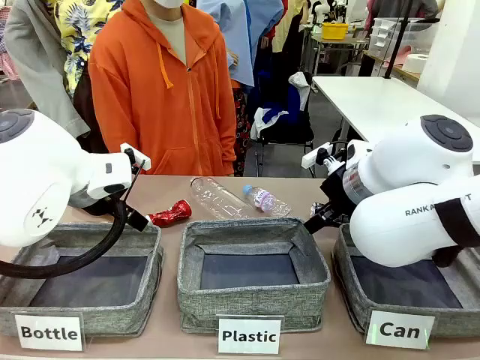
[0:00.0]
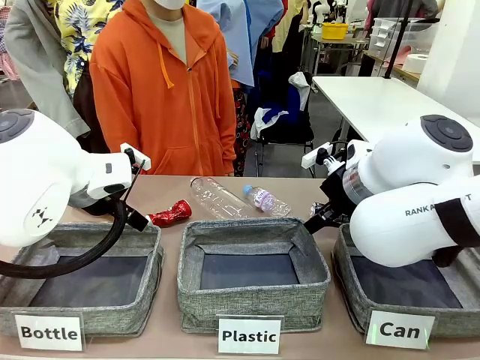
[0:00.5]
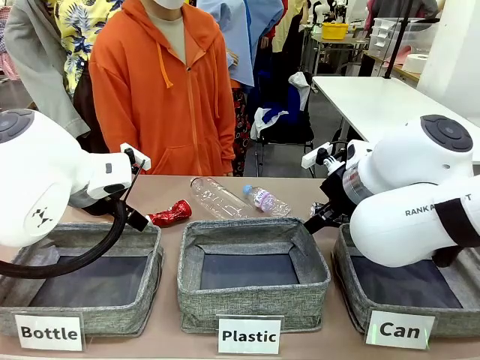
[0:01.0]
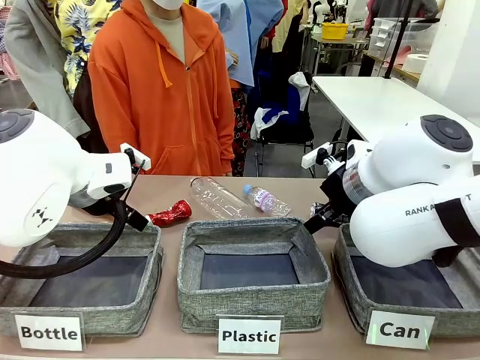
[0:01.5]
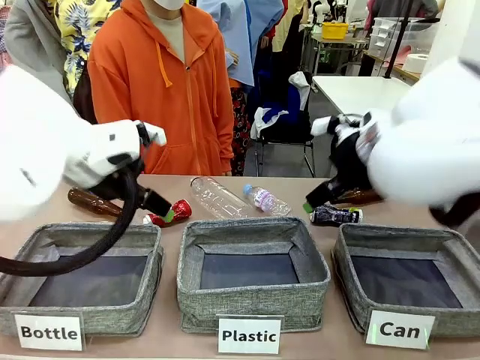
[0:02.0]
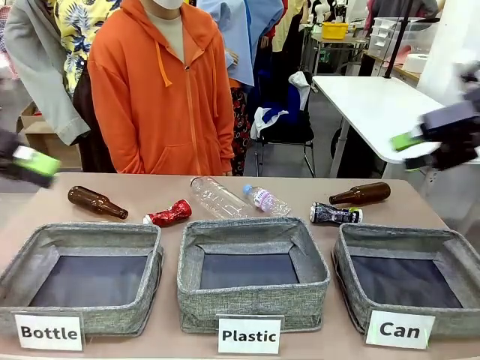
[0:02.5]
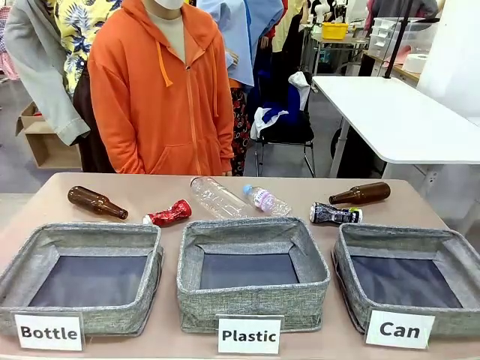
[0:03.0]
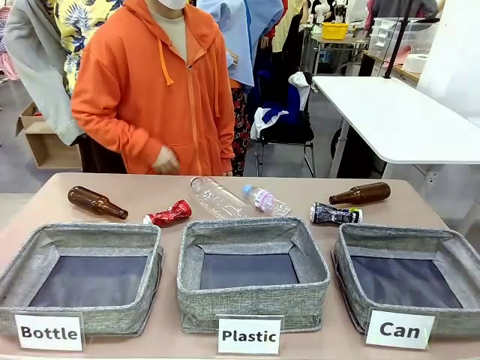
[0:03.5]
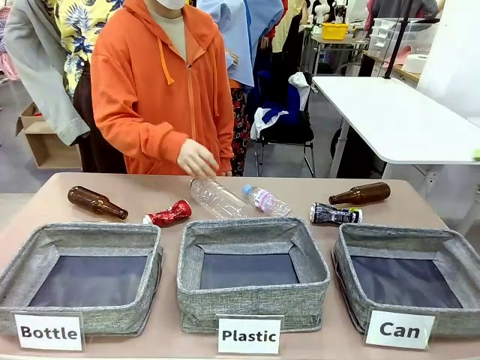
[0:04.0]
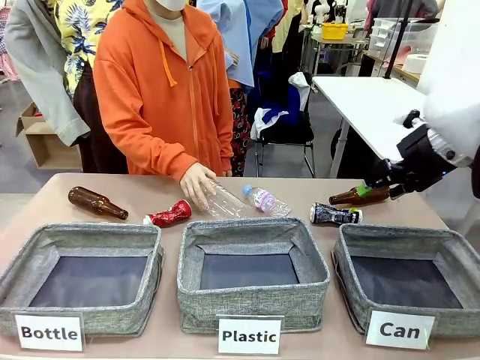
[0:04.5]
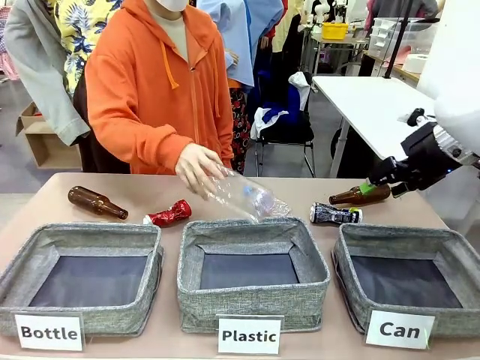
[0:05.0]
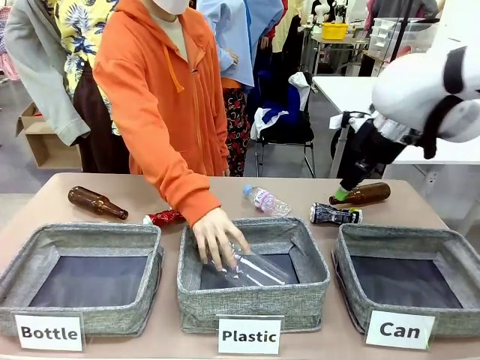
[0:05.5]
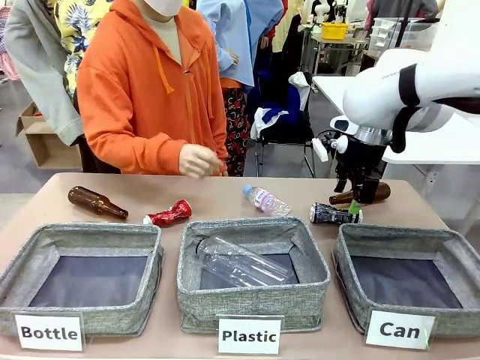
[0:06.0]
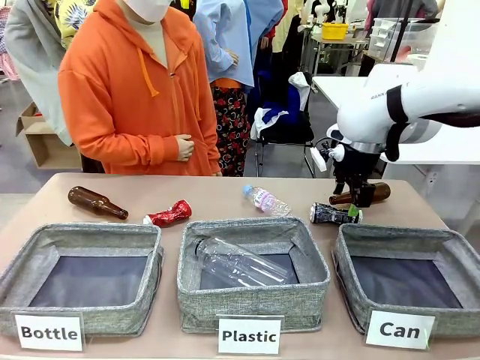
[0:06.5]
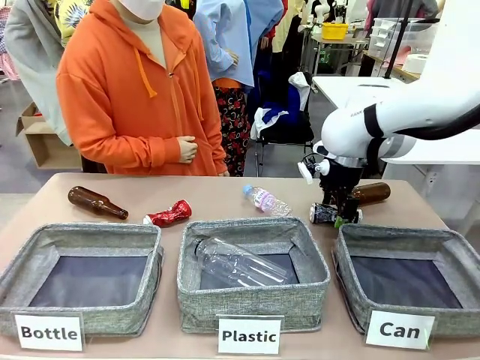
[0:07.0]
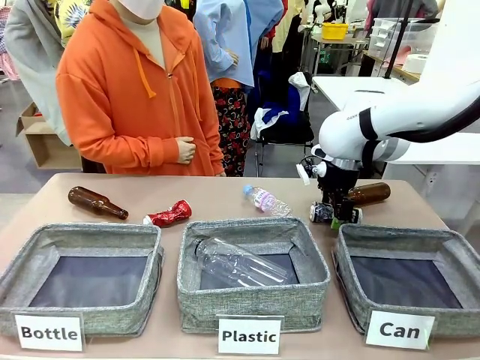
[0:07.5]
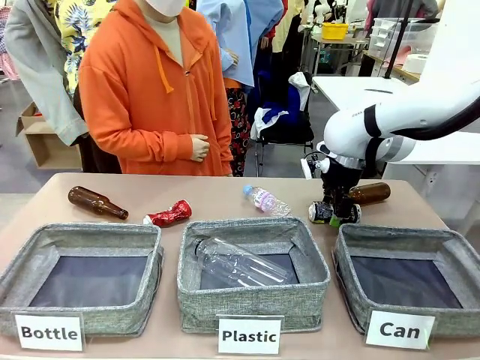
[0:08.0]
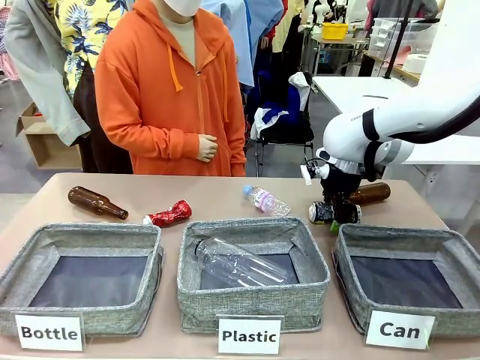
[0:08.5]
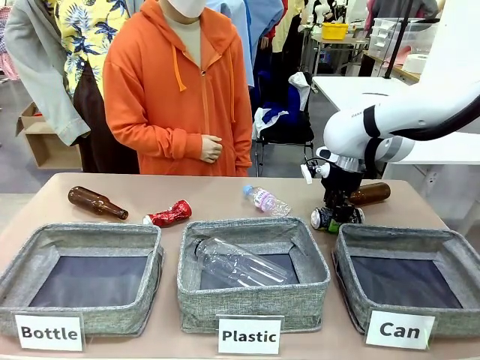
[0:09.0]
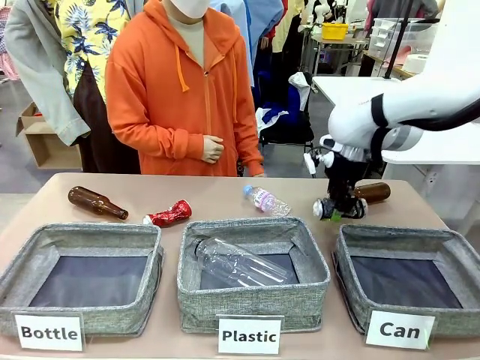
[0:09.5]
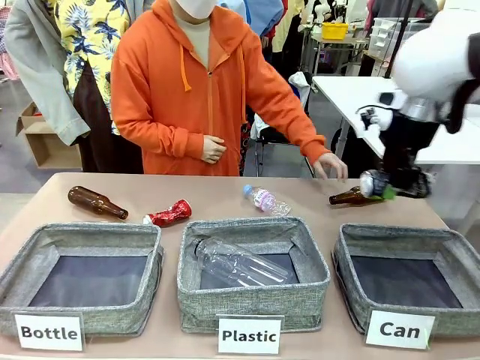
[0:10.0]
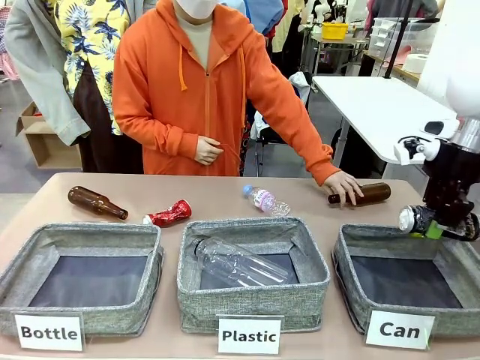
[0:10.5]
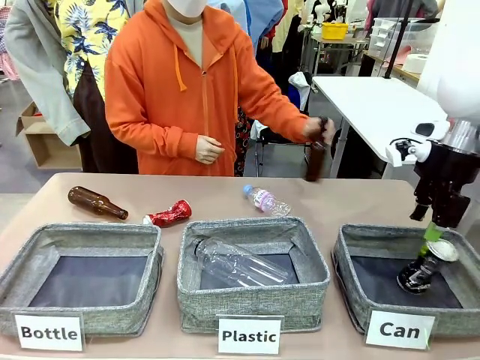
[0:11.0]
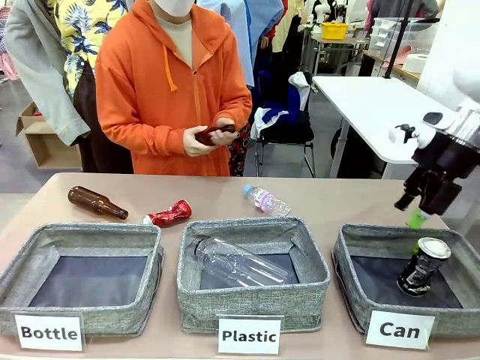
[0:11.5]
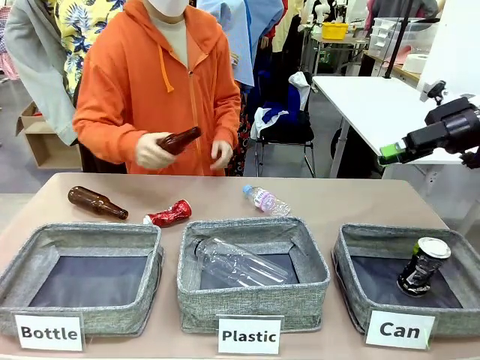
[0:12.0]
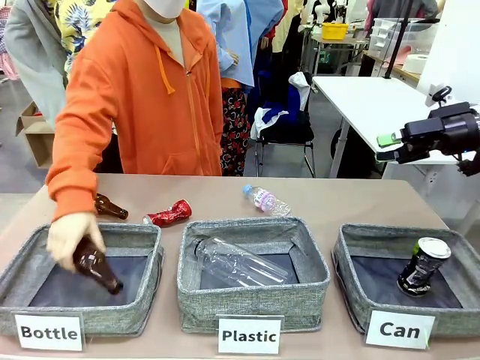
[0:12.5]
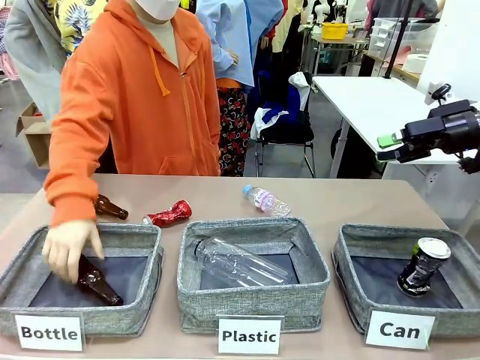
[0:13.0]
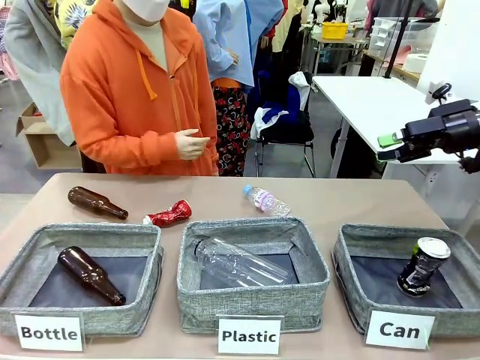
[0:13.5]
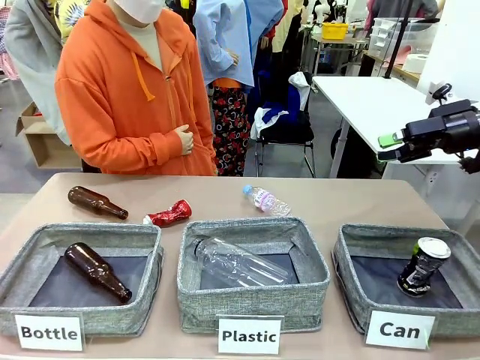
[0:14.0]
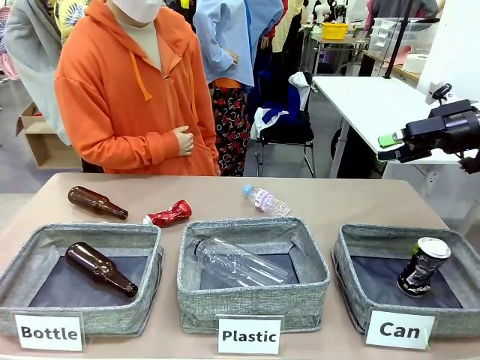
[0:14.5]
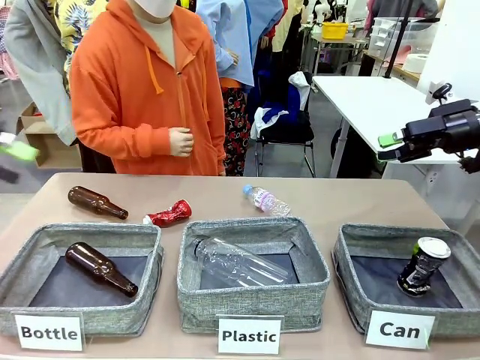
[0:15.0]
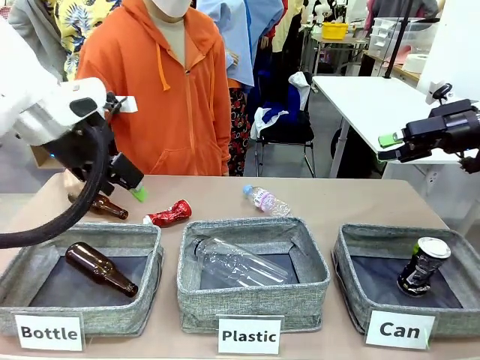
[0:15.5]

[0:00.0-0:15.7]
Task: Sort the can waste into the basket.
Robot: Pick up the can waste from the table and place it in the right Fabric basket.

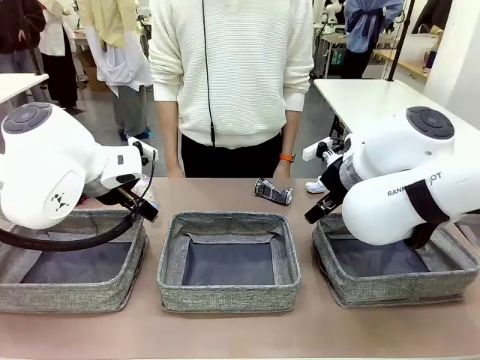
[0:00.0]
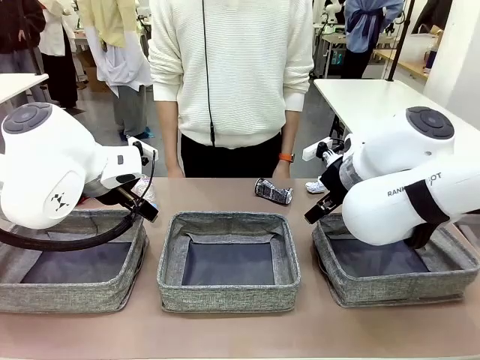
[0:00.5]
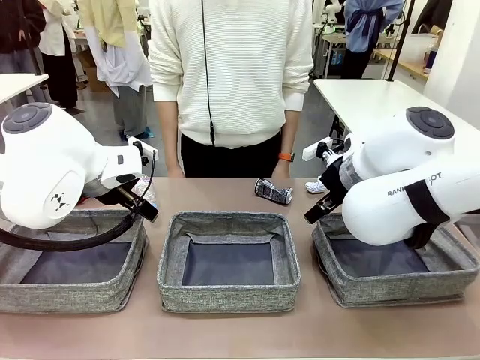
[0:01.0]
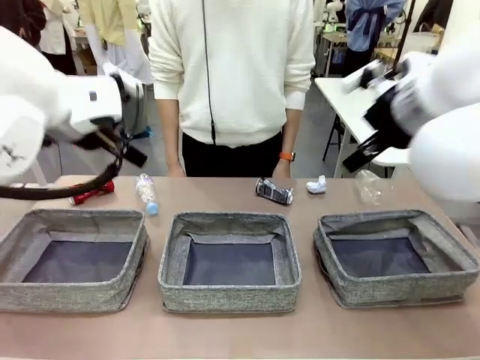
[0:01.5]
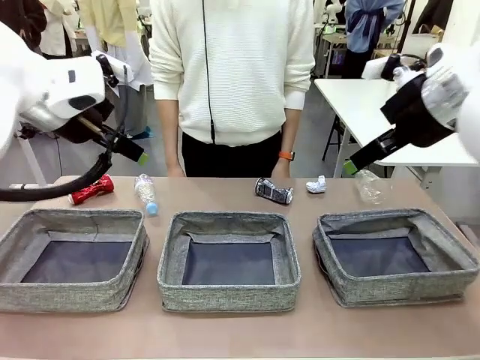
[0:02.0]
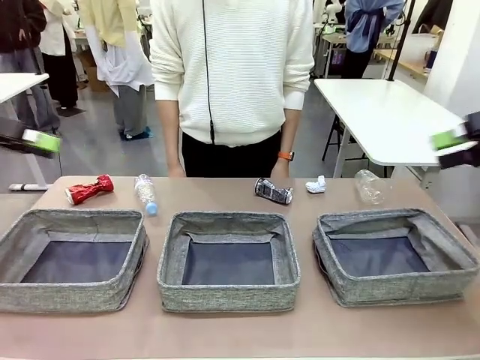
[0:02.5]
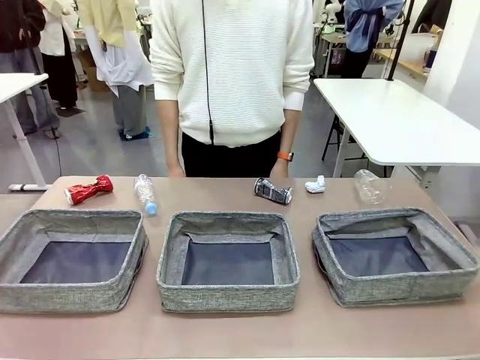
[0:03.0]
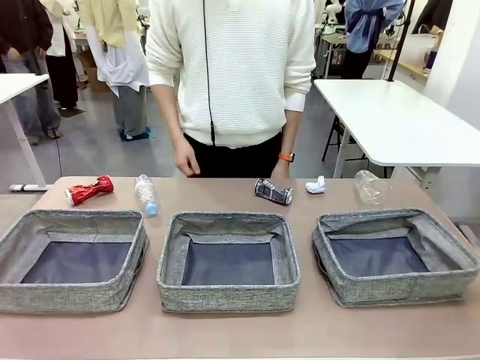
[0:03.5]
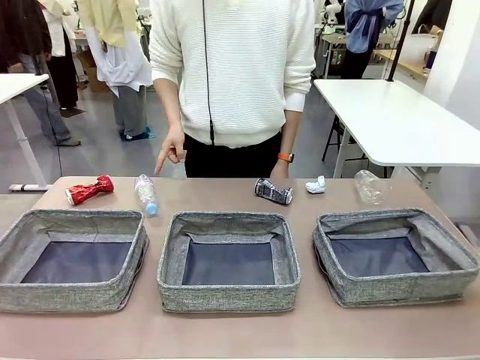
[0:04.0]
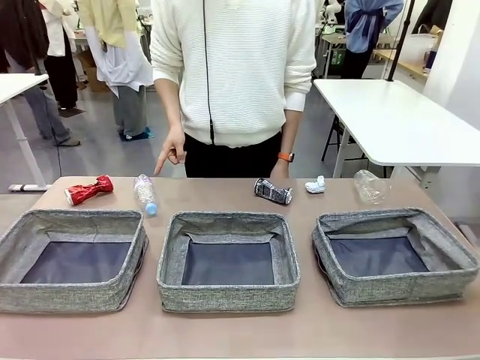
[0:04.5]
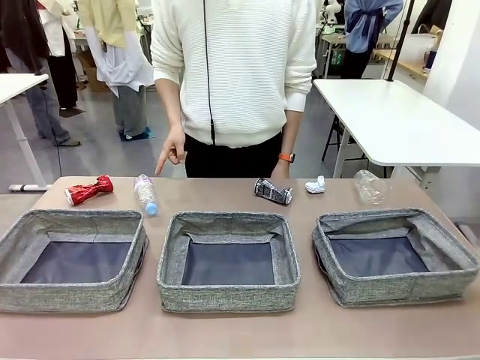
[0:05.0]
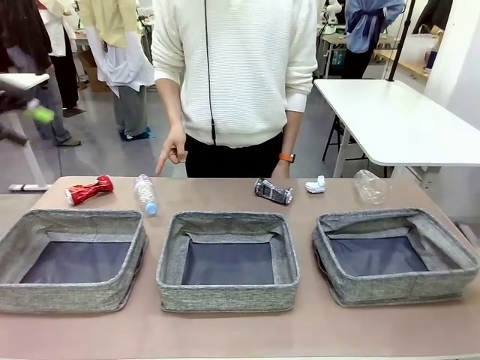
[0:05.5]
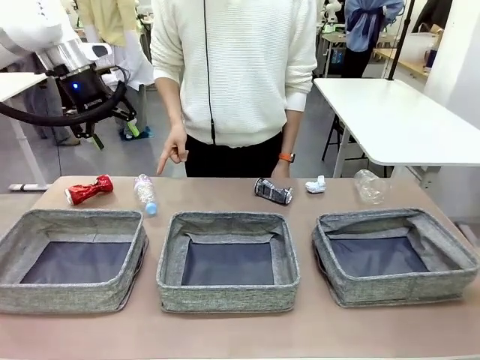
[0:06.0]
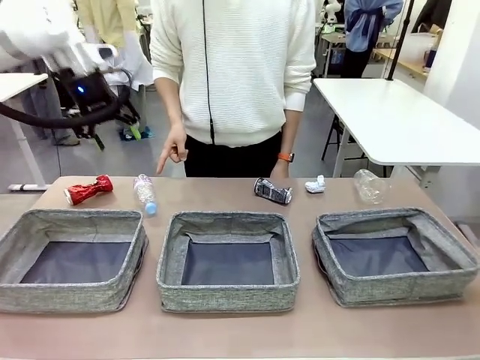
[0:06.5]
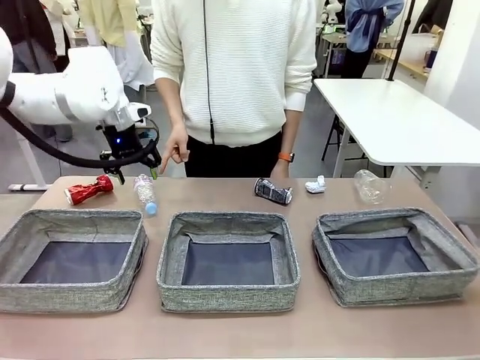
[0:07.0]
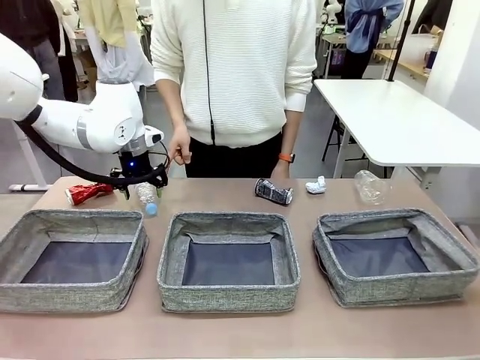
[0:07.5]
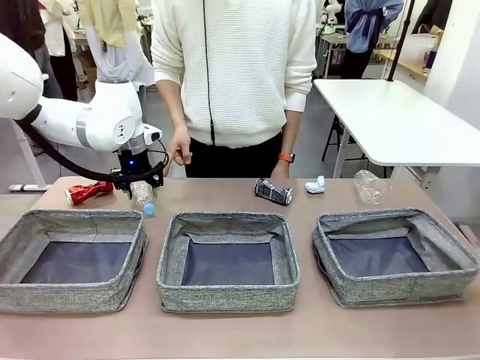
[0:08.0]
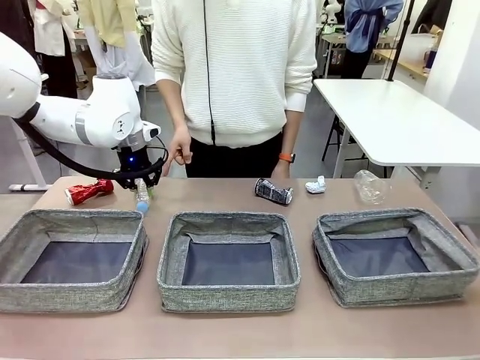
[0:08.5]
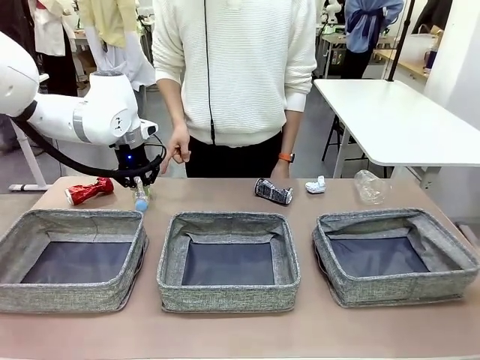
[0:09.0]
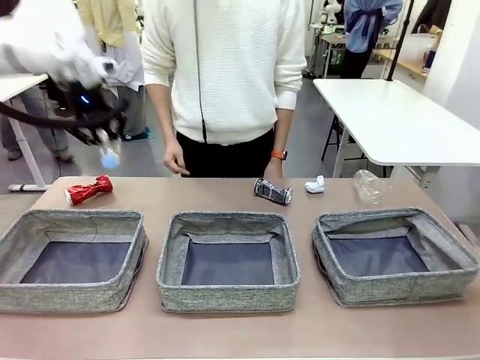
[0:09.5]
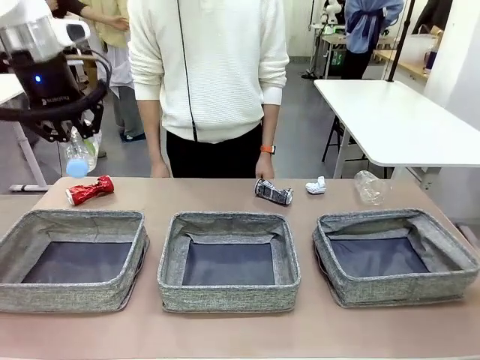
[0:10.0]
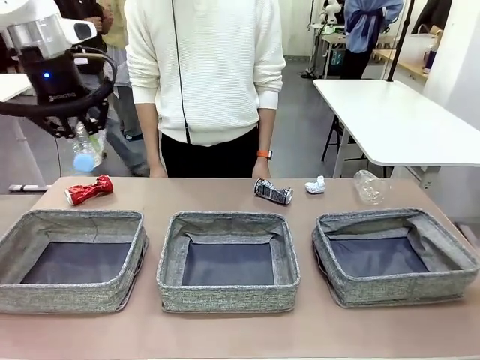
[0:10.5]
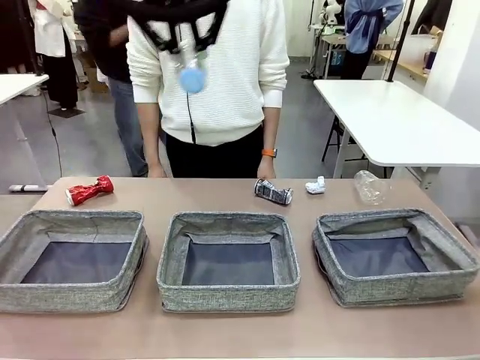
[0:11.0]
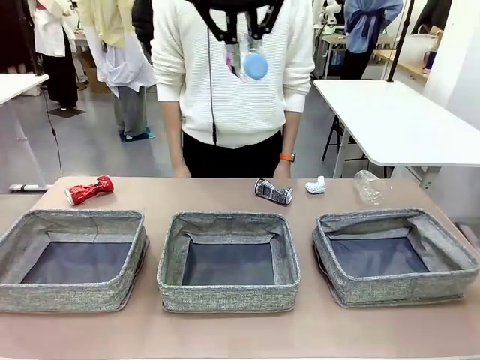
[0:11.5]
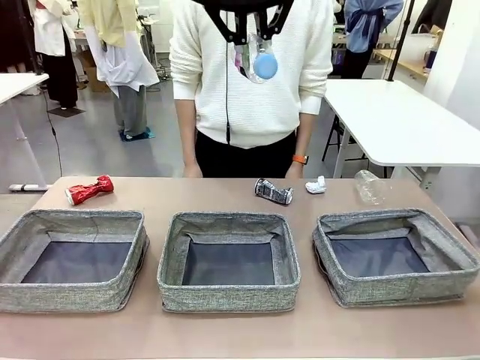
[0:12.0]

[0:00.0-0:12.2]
Task: Sort the waste into the appropriate baskets.
Robot: Pick up the waste item pointed out by the person.
Person: Points to one piece of trash on the table.
